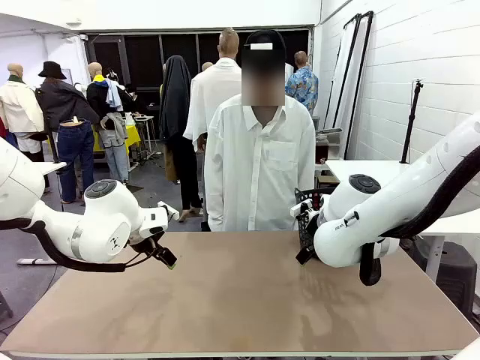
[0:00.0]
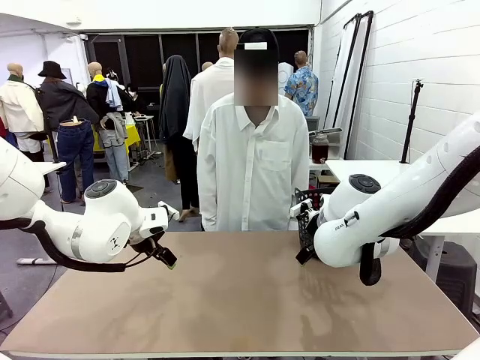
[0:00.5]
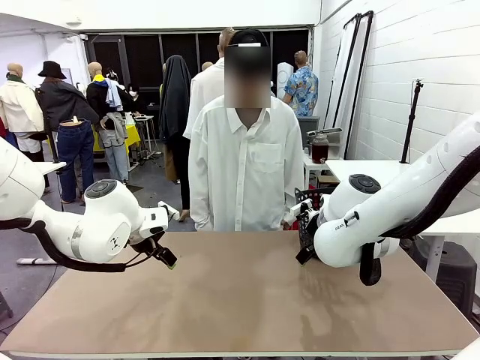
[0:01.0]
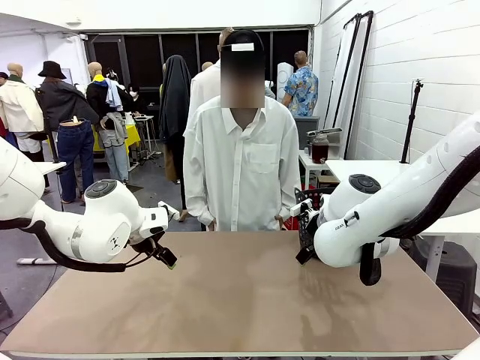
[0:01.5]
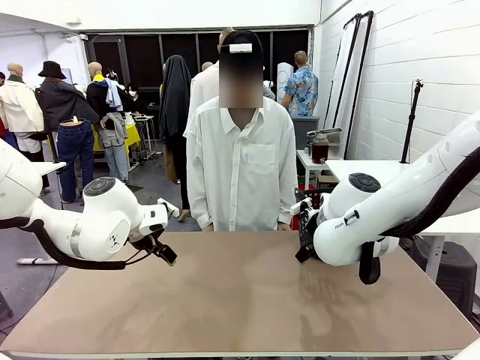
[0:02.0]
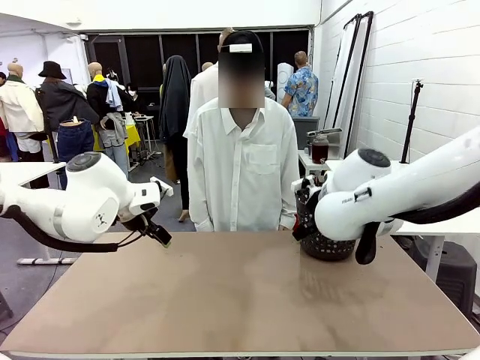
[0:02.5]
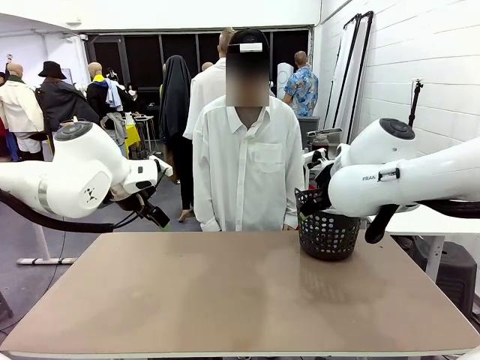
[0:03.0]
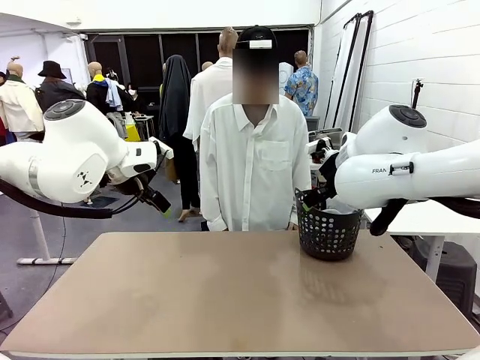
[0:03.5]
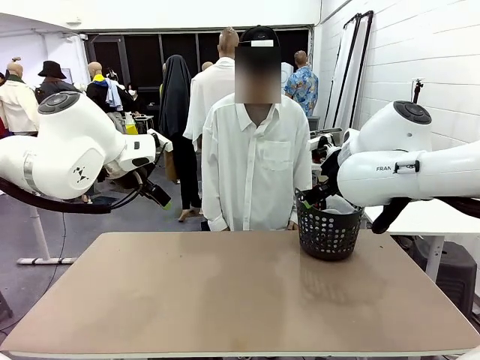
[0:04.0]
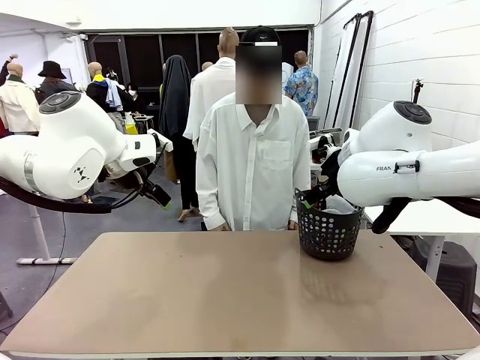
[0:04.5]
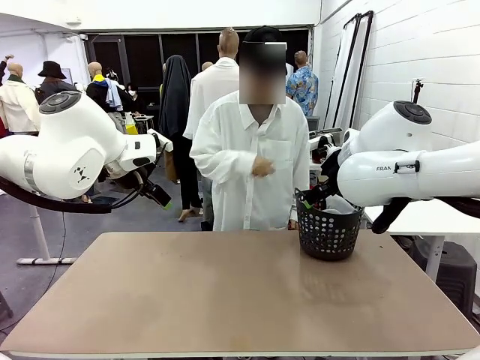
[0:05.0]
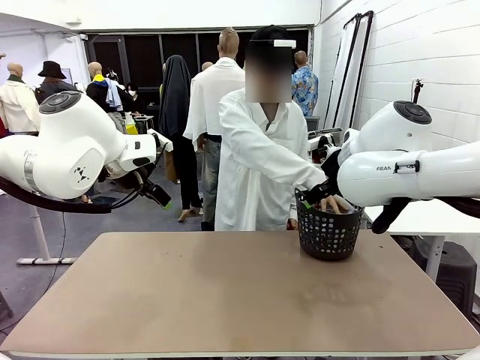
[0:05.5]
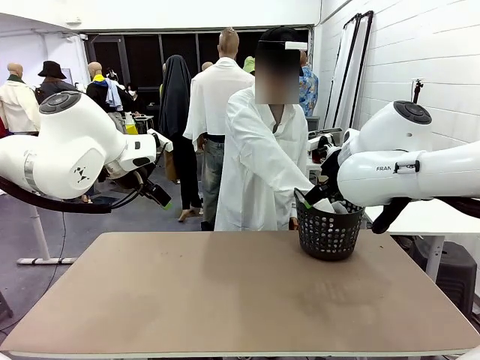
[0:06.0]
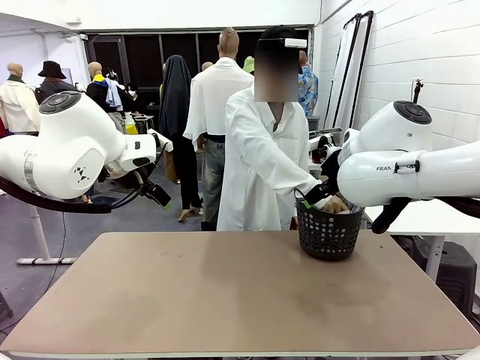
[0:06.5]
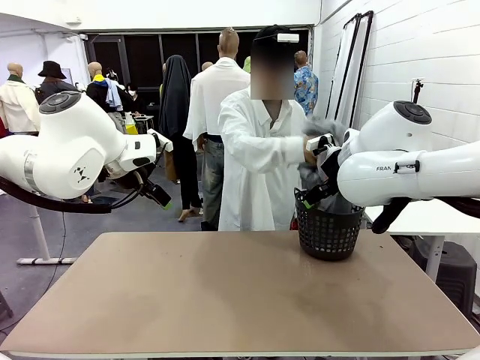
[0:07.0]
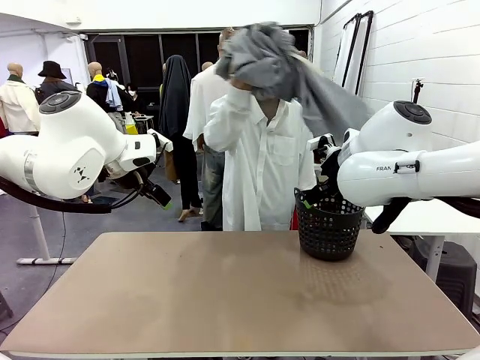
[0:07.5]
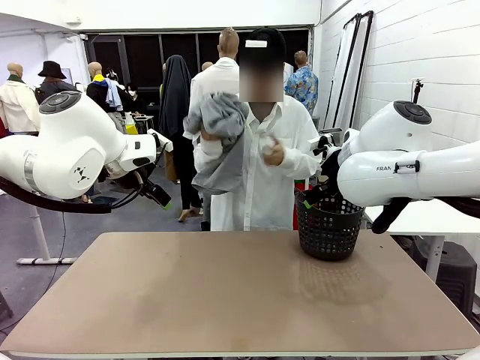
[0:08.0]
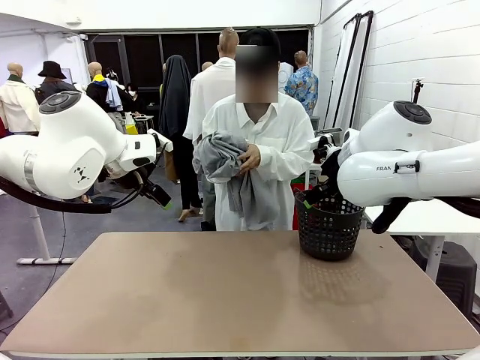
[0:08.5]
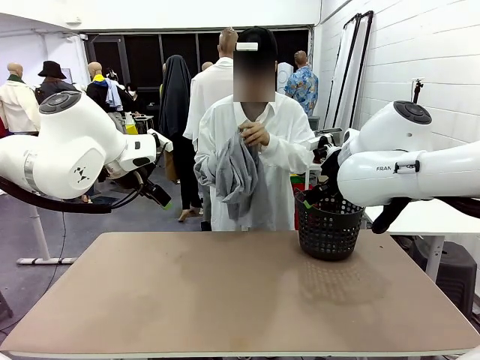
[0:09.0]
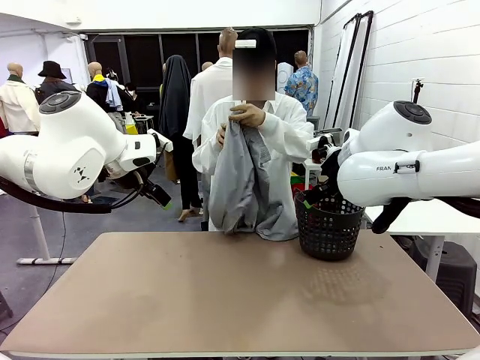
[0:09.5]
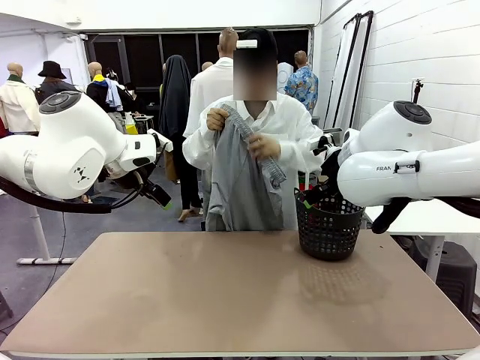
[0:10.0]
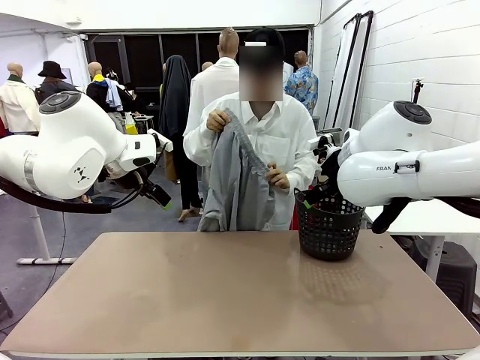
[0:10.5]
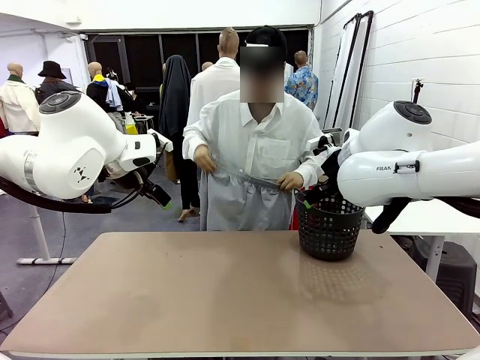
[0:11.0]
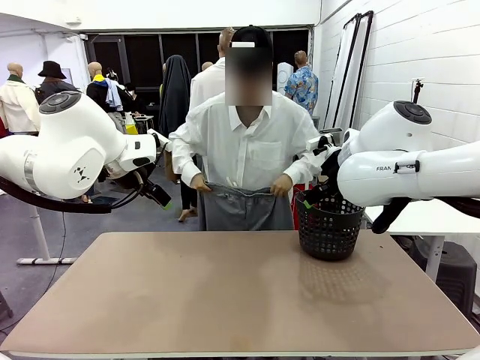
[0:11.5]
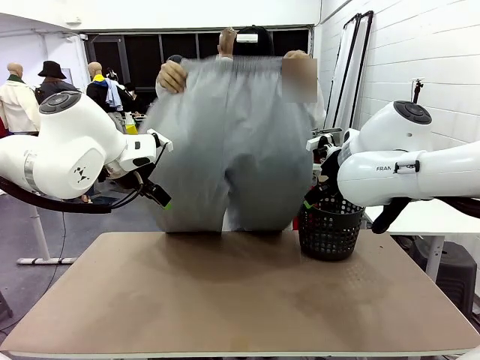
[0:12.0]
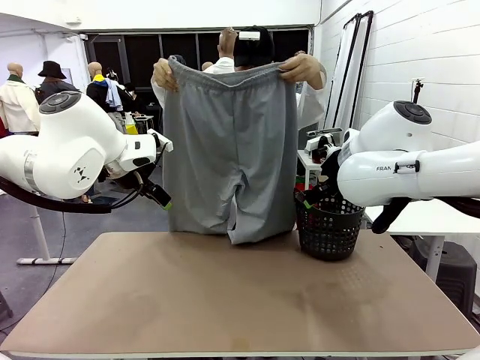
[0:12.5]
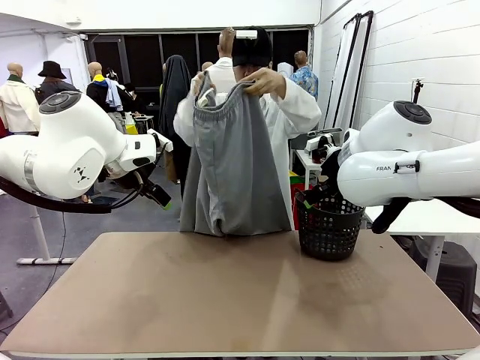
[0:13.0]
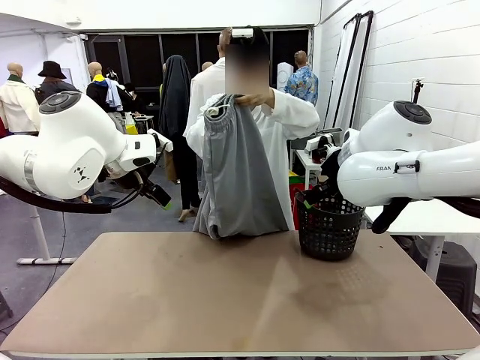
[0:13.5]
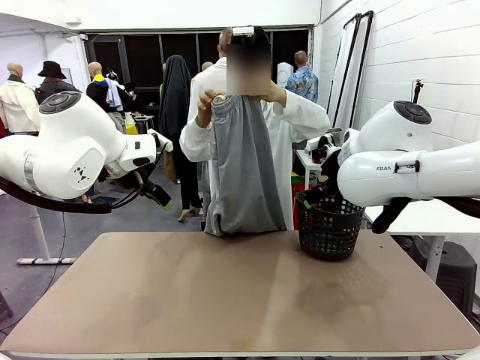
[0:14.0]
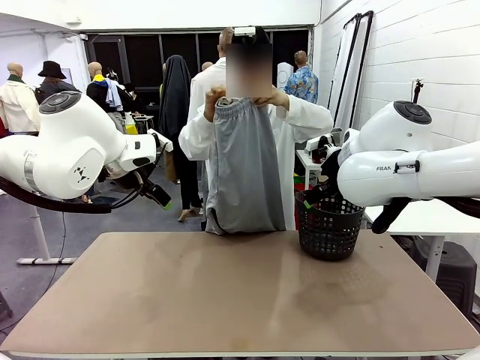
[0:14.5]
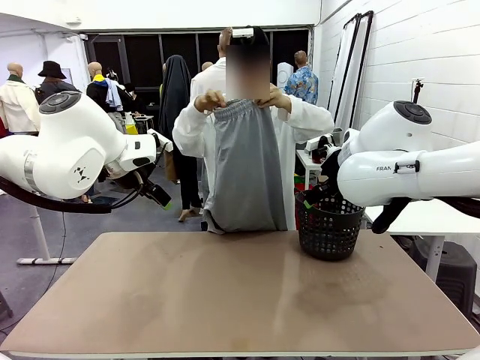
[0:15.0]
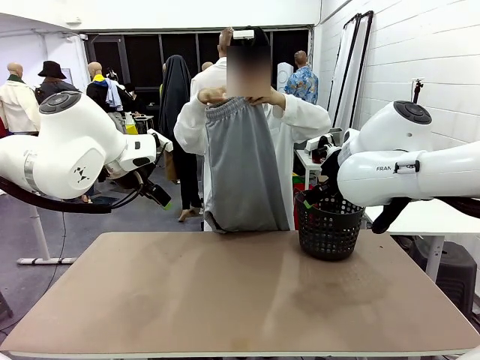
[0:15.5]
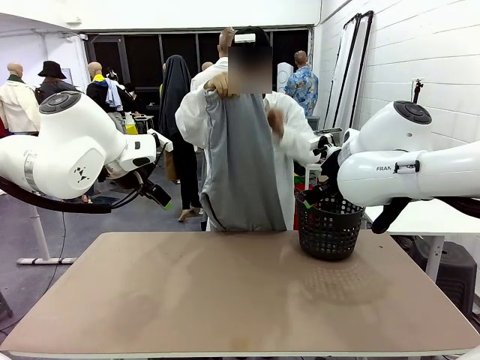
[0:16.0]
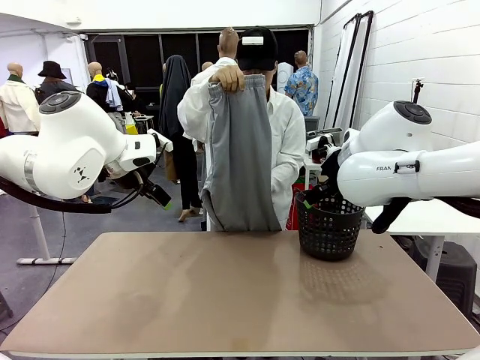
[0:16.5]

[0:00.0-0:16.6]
Task: Fold the training pants.
Robot: Grab both ends of the Training pants handed by a person.
Person: Take the long pants out of the laundry basket, unfold them, fold the waist in half, and extend them so the robot can pick up both corners.
